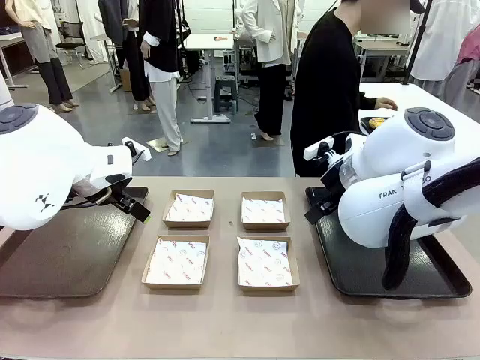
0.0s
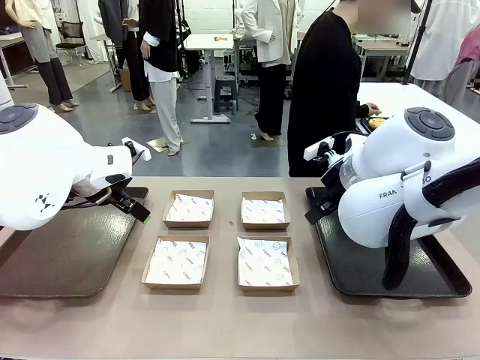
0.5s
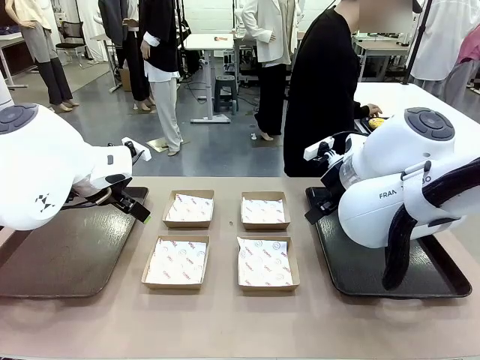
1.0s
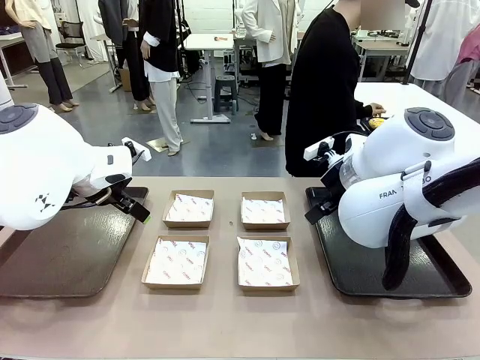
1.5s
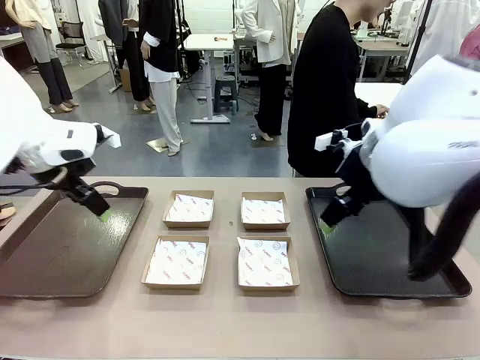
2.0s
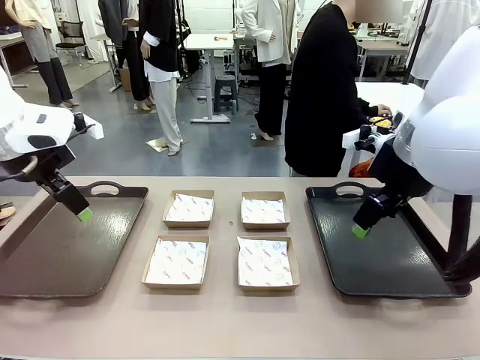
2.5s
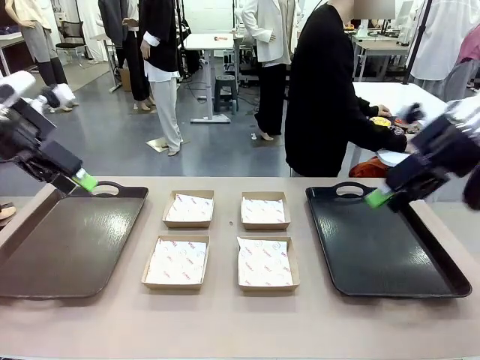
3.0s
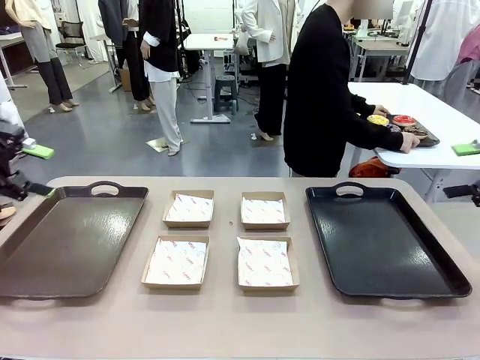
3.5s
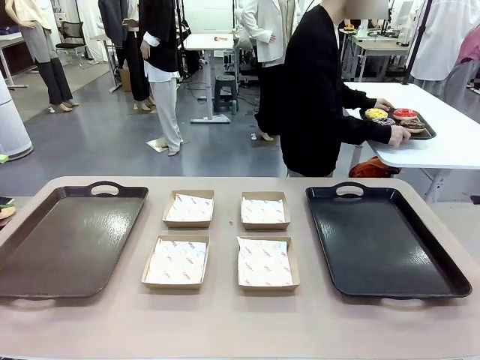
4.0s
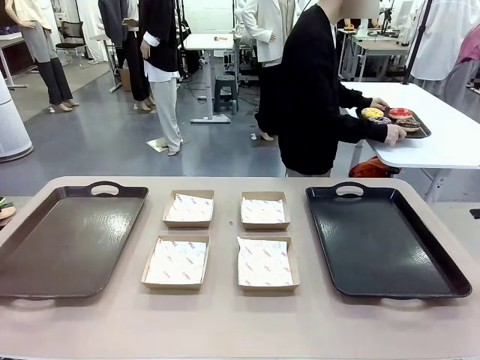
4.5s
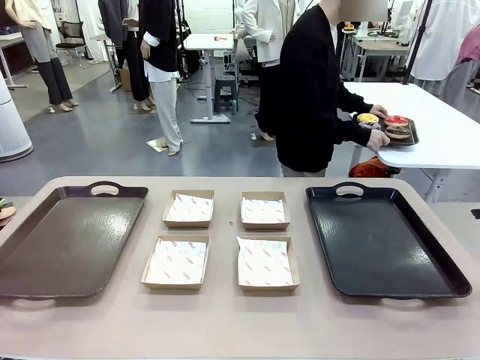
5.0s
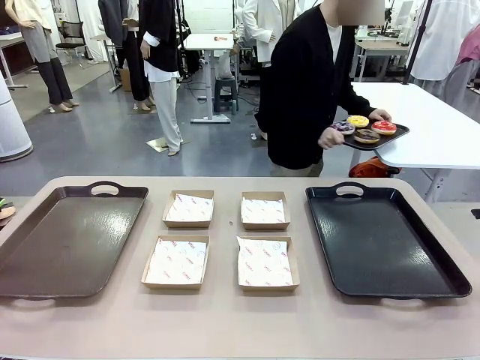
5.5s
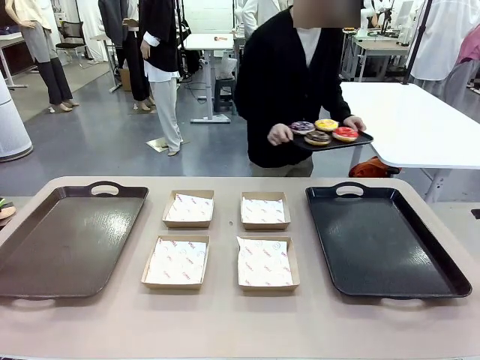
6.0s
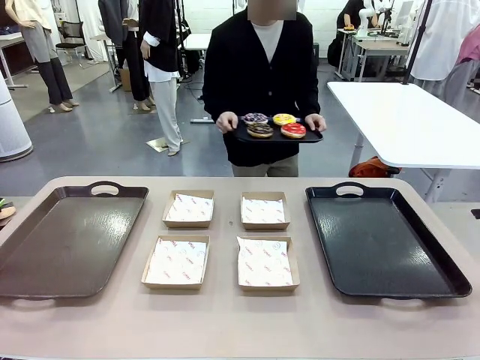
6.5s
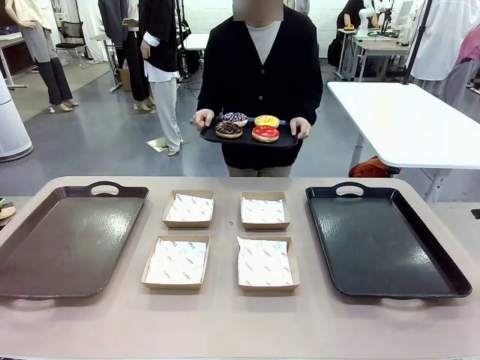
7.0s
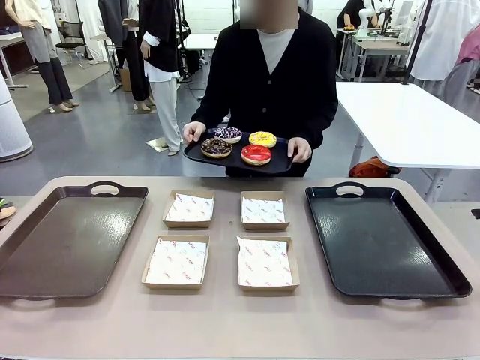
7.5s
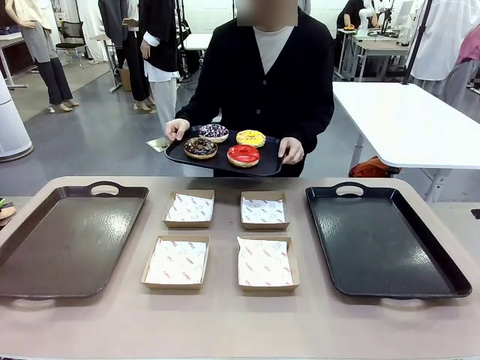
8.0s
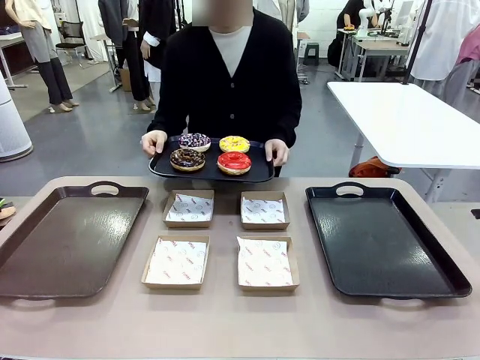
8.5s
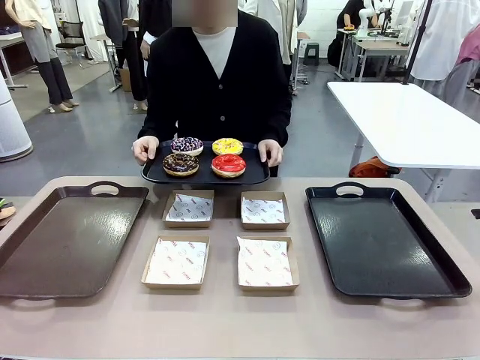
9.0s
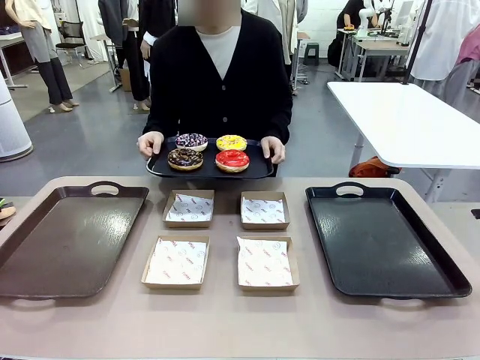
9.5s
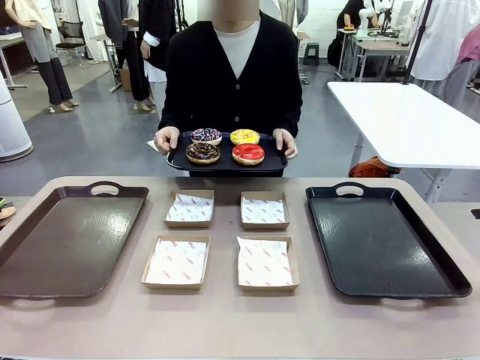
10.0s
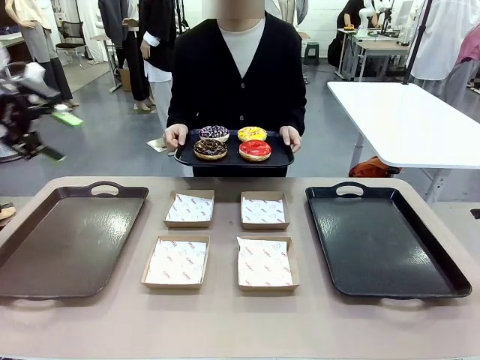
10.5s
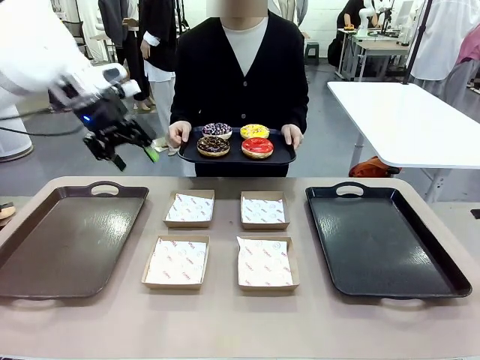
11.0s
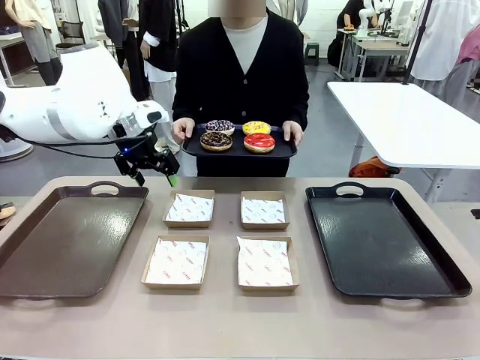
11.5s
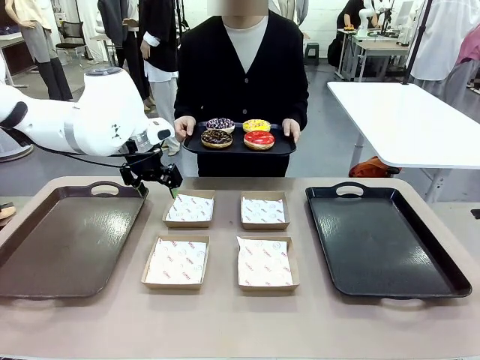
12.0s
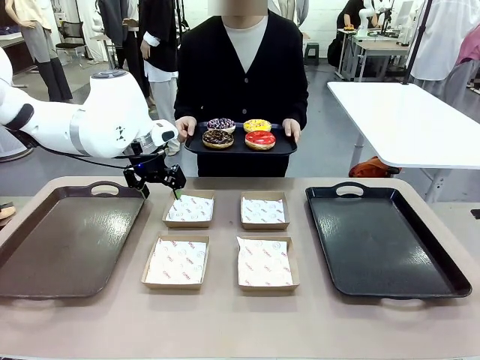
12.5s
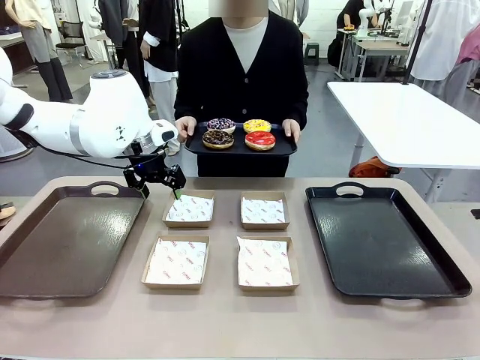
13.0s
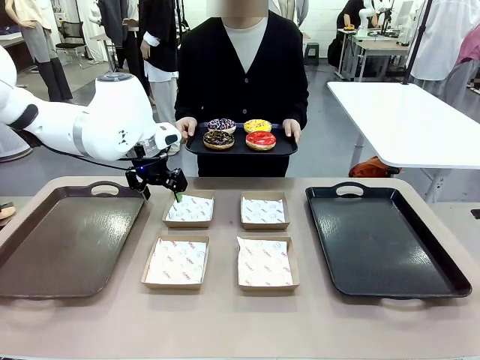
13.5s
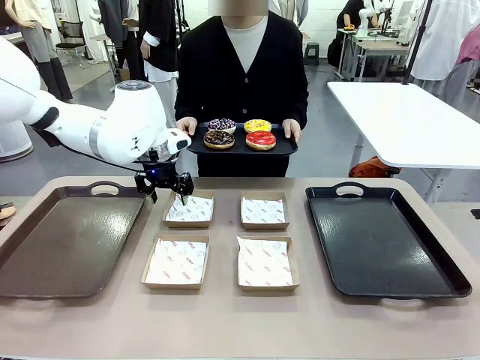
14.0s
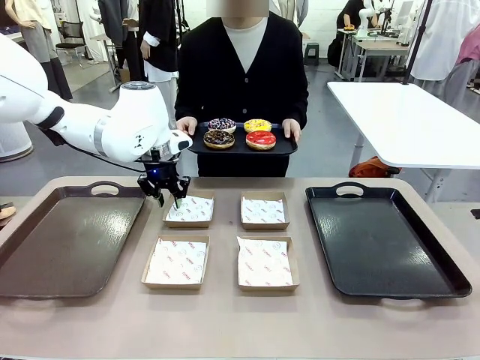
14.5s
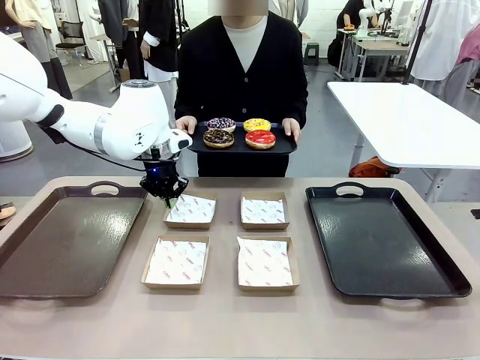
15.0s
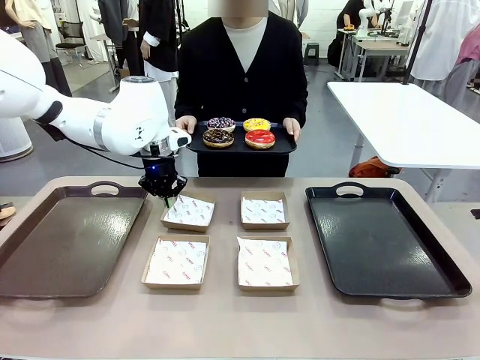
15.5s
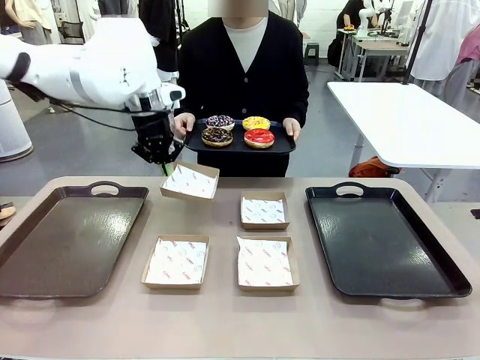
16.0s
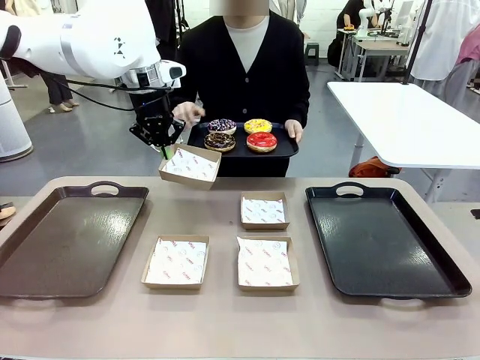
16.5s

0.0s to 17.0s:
Task: Individually package the donuts and arrange them on the tray.
Robot: Pick up one Paper togo box.
Person: Stand in front of the robot table holding the tray containing the donuts.
